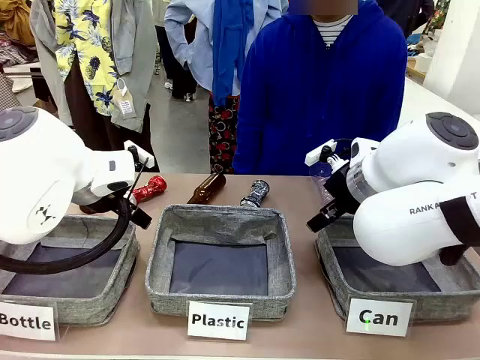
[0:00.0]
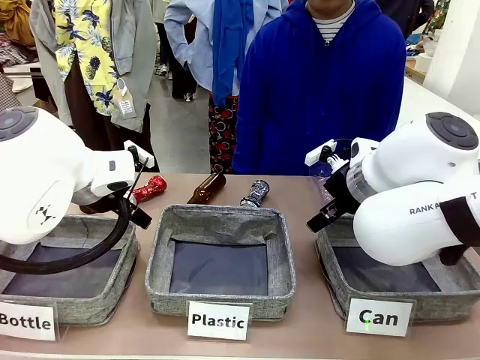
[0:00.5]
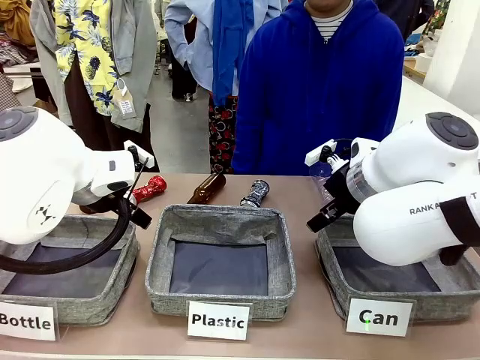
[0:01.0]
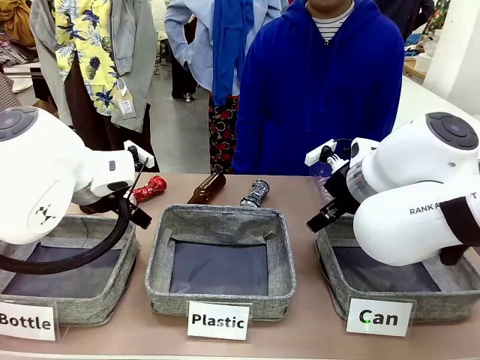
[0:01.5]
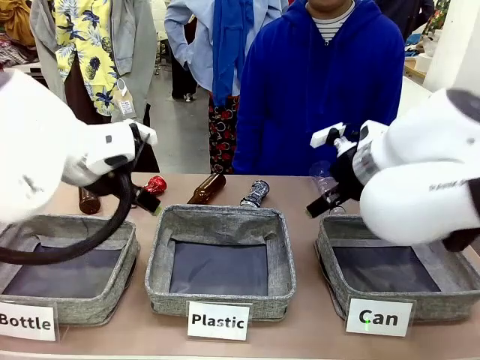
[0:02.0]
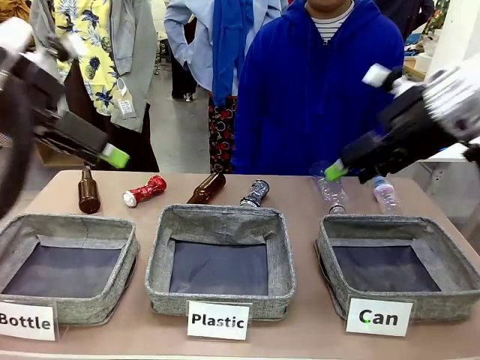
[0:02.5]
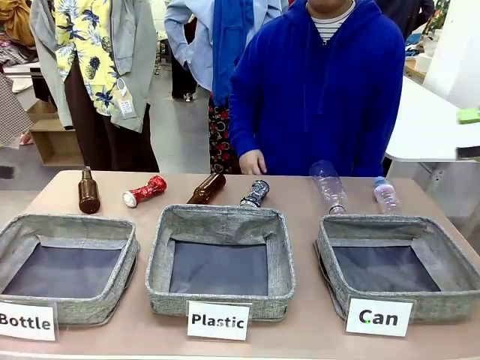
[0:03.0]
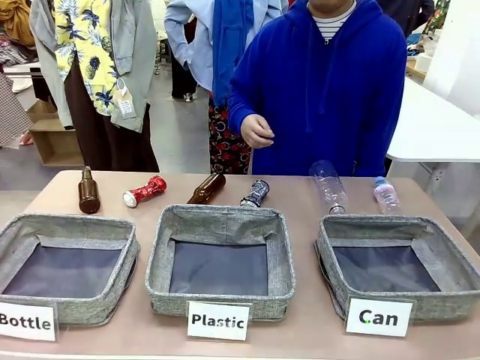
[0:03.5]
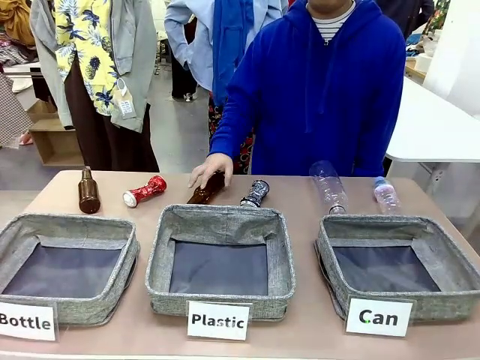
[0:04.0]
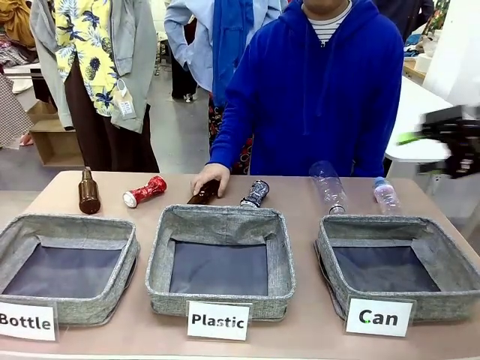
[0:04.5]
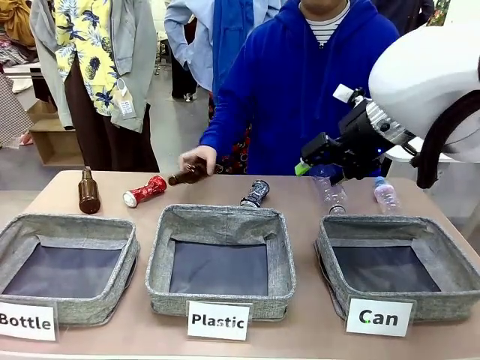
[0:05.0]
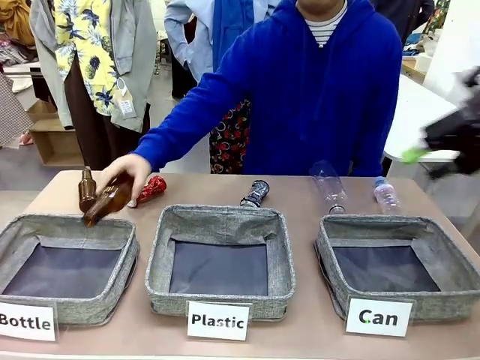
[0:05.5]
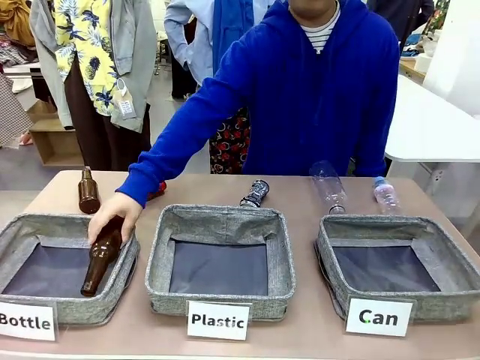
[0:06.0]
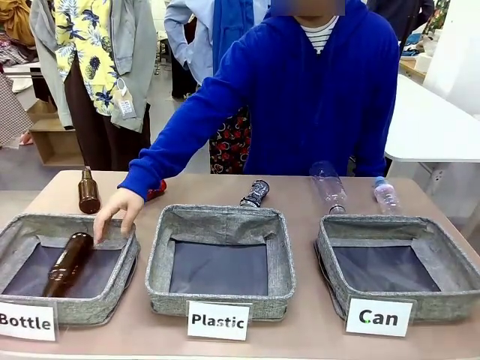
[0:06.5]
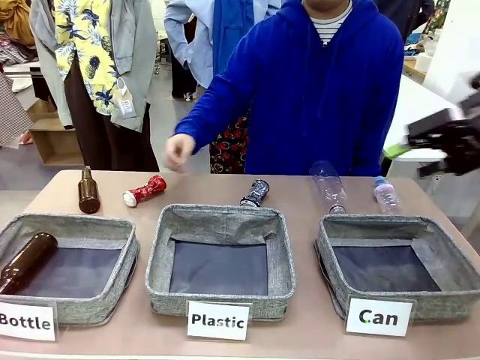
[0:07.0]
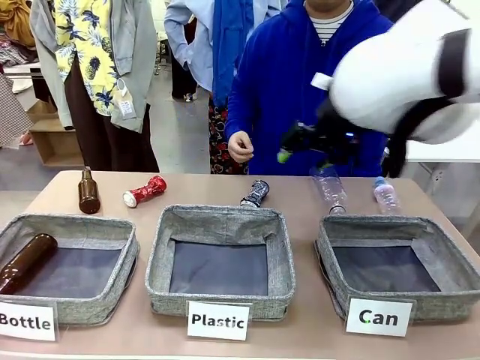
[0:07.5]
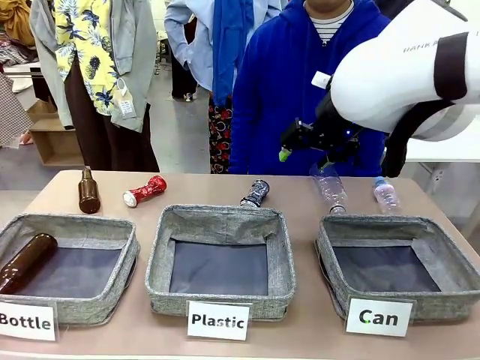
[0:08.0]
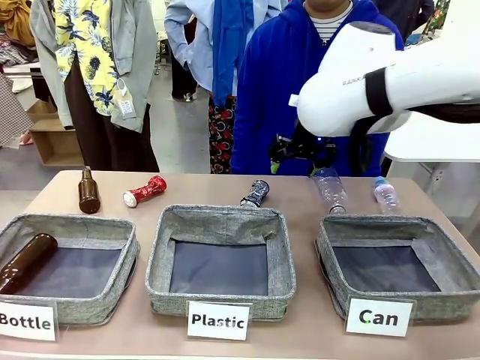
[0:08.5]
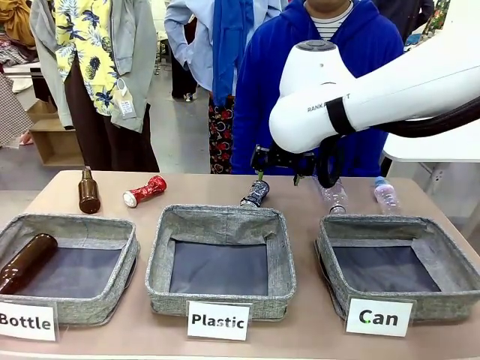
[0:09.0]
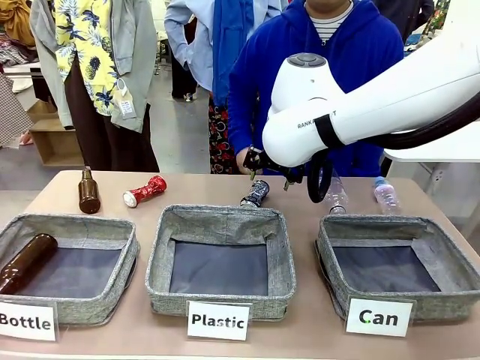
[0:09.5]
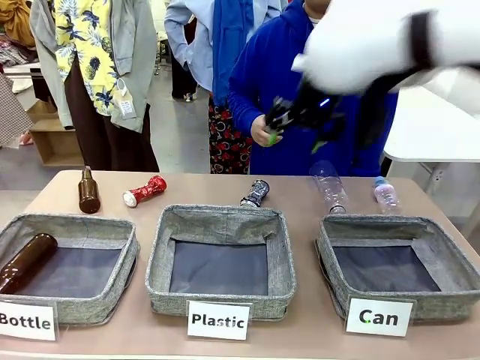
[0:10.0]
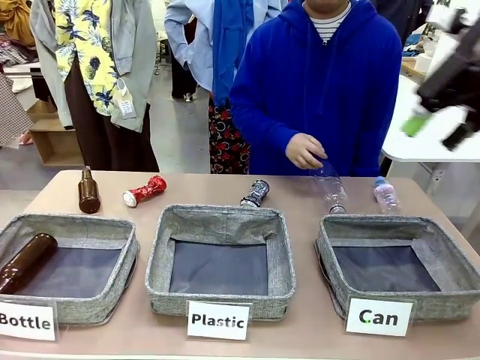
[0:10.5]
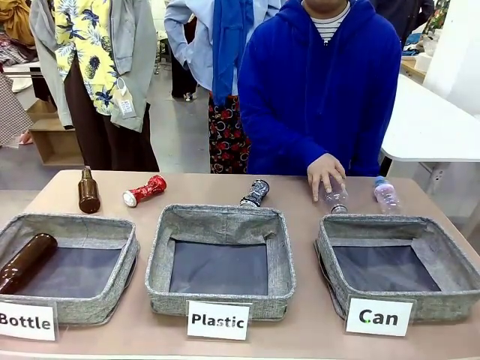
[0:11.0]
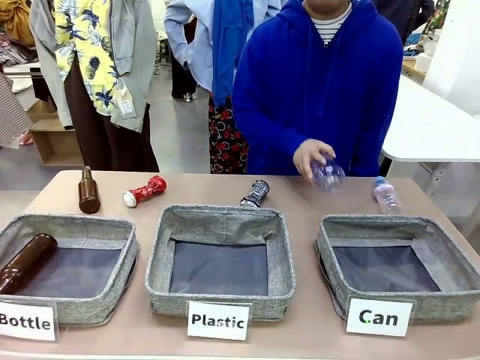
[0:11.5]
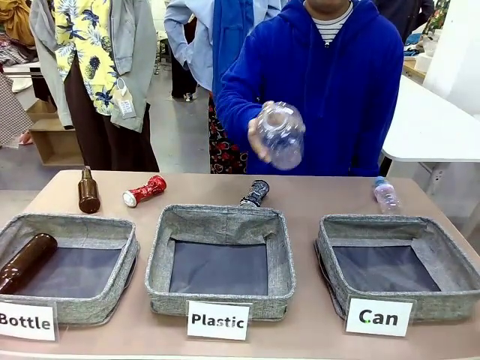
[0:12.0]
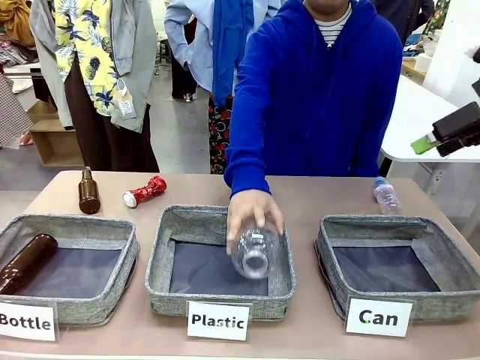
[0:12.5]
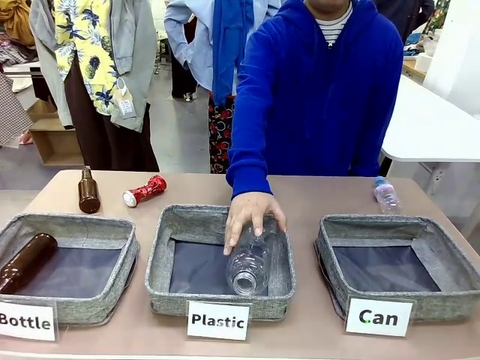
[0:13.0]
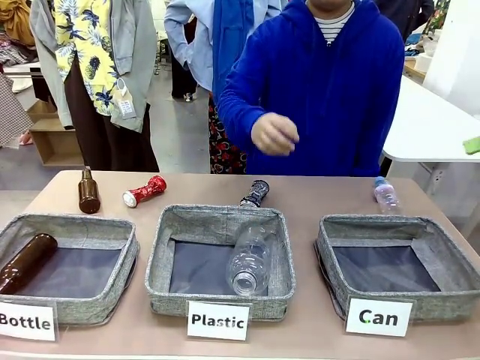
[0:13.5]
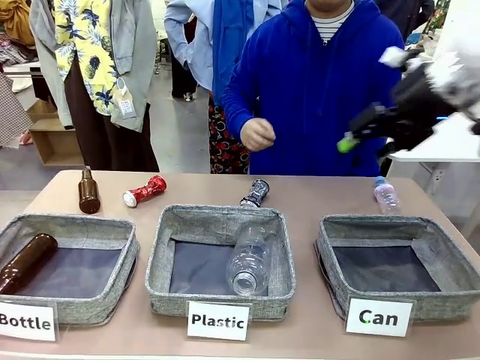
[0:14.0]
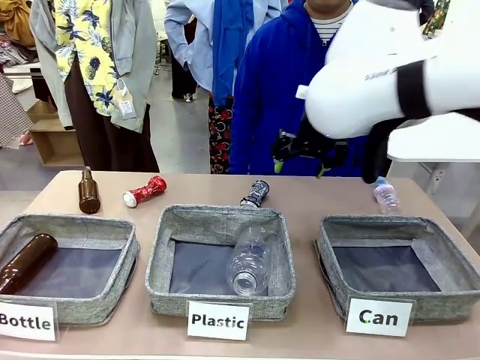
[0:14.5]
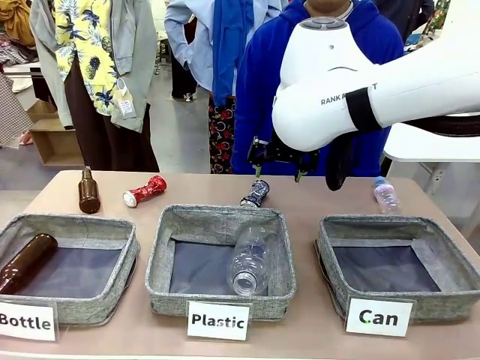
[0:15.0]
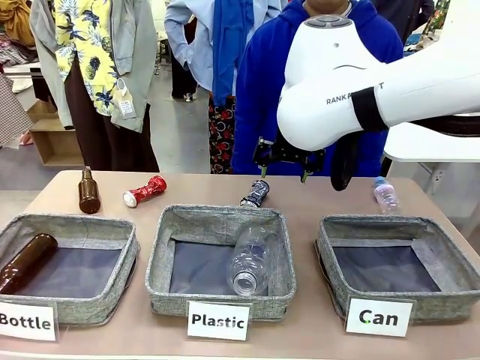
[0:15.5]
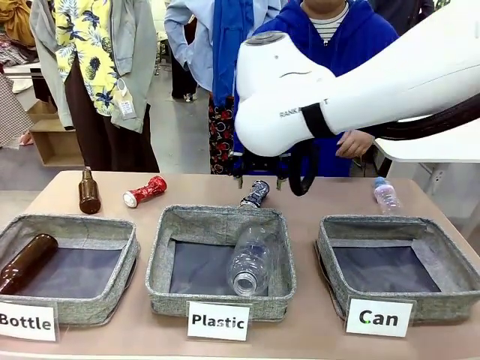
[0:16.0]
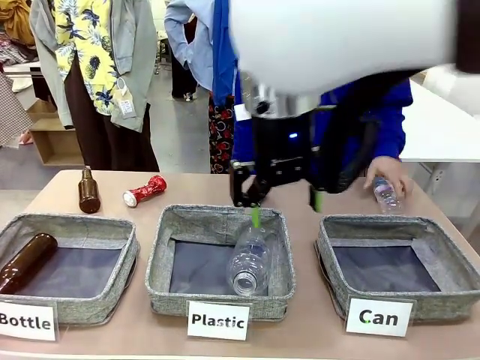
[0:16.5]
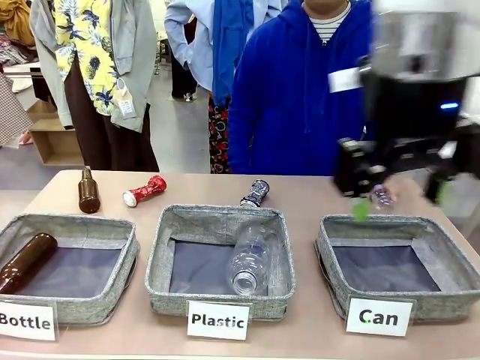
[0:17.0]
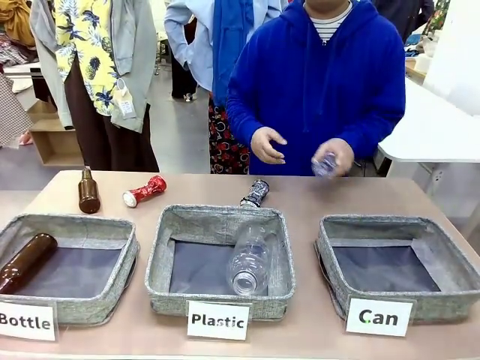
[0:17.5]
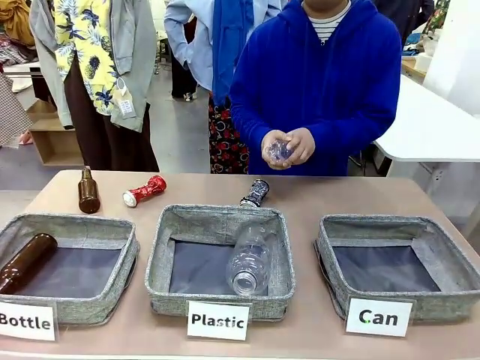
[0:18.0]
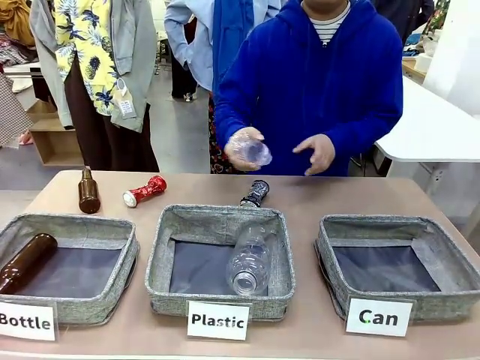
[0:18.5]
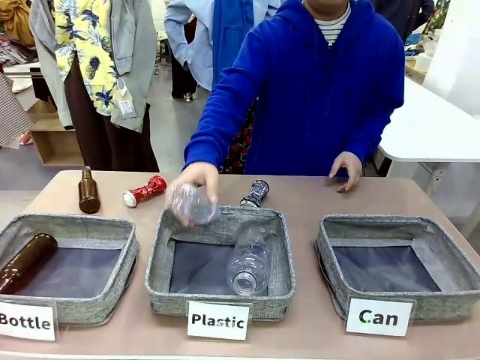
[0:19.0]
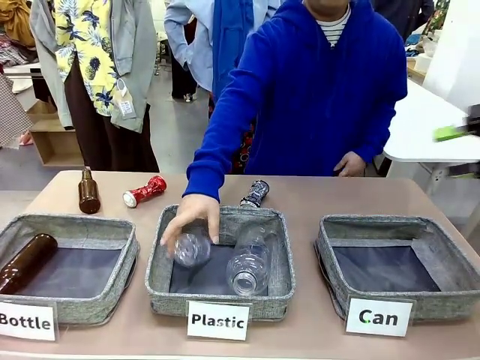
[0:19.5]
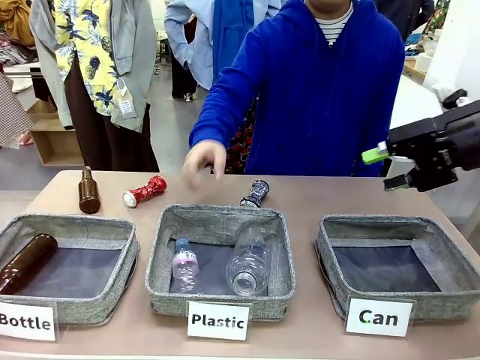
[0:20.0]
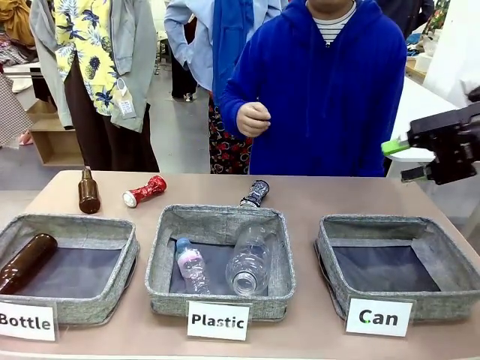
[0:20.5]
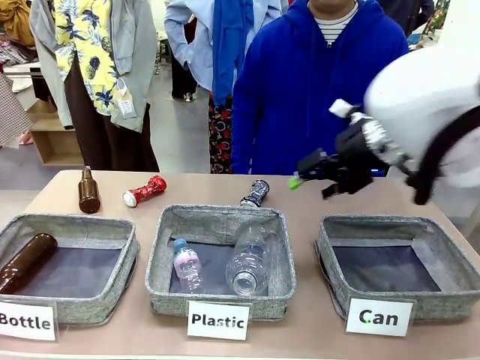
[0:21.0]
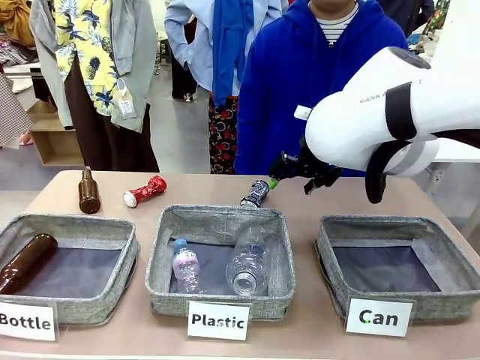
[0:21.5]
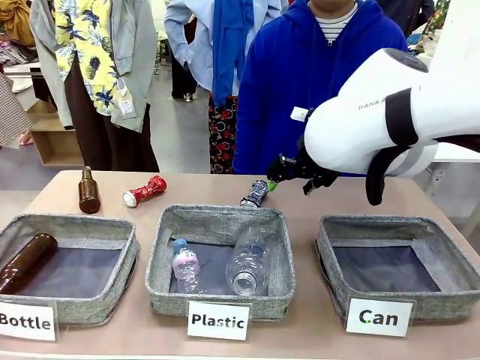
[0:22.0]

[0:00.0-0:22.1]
Task: Sort the can waste into the basket.
Robot: Pick up the can waste from the table and place it in the right Fabric basket.
